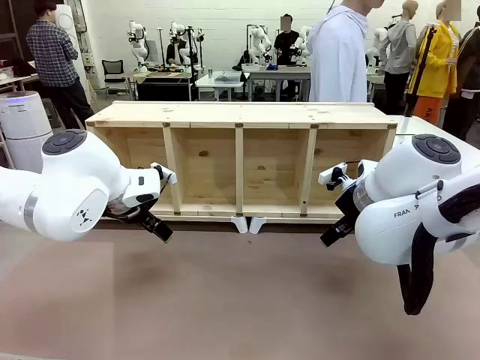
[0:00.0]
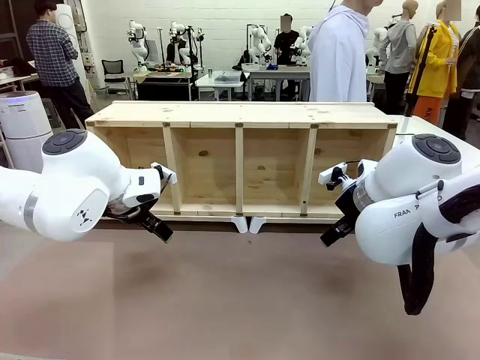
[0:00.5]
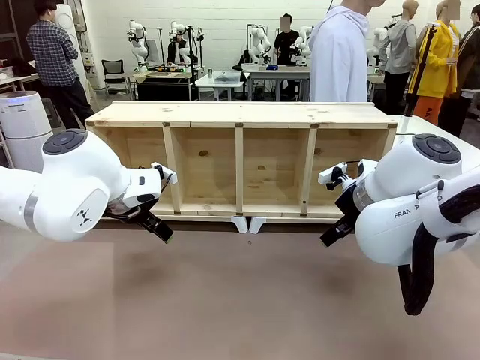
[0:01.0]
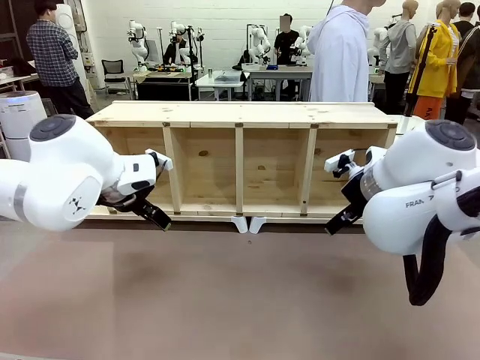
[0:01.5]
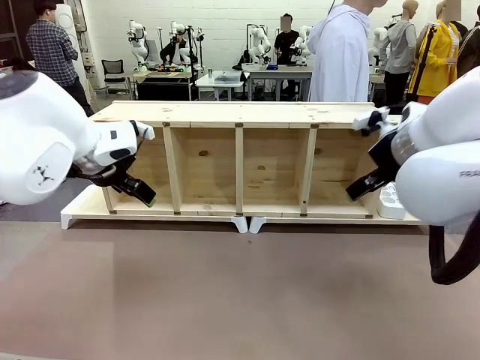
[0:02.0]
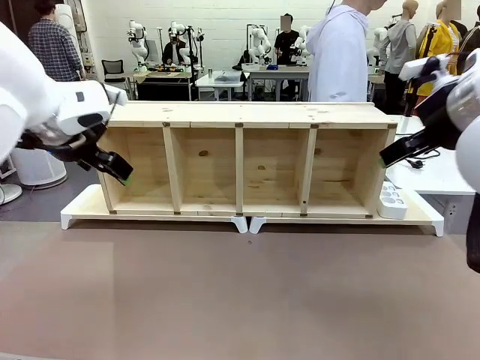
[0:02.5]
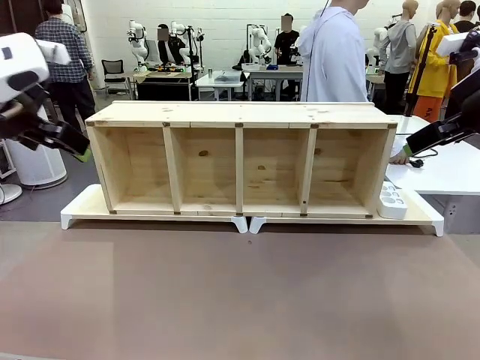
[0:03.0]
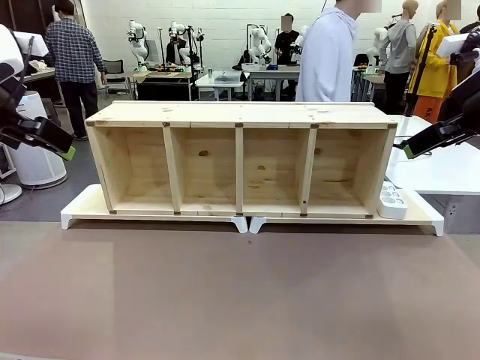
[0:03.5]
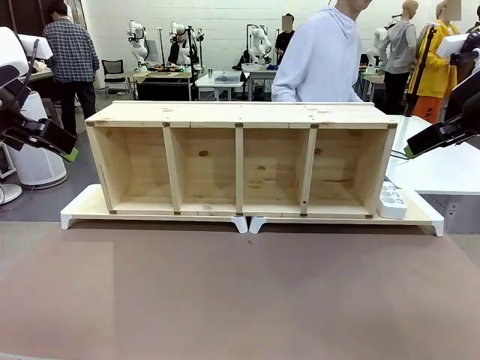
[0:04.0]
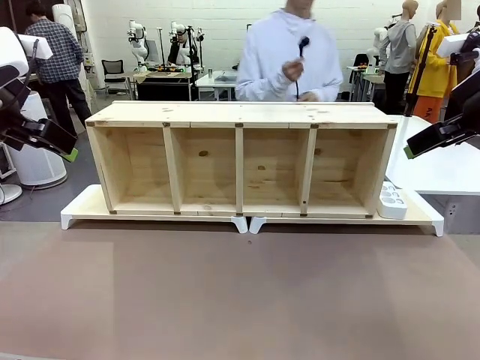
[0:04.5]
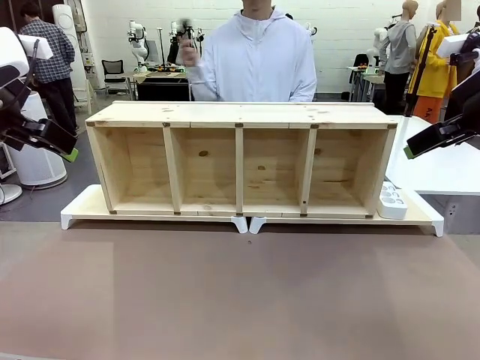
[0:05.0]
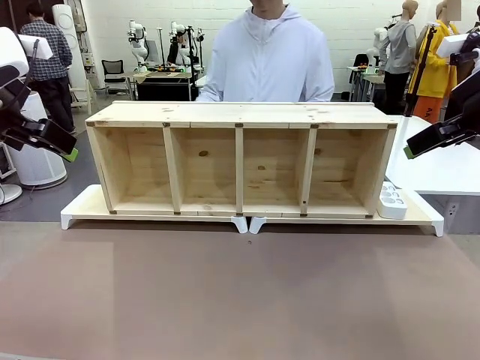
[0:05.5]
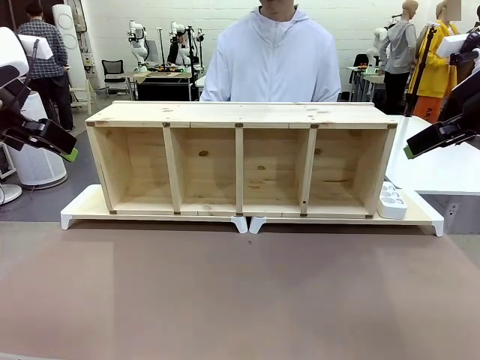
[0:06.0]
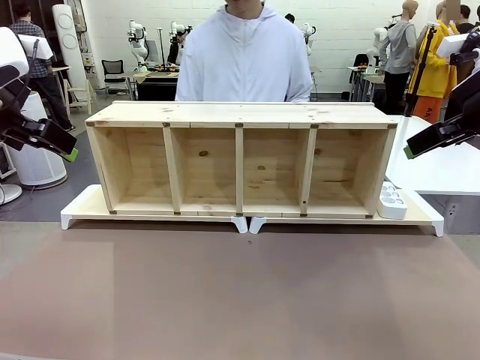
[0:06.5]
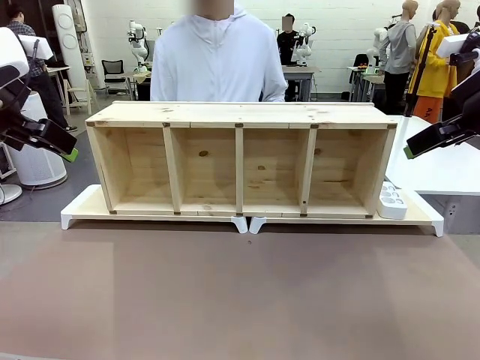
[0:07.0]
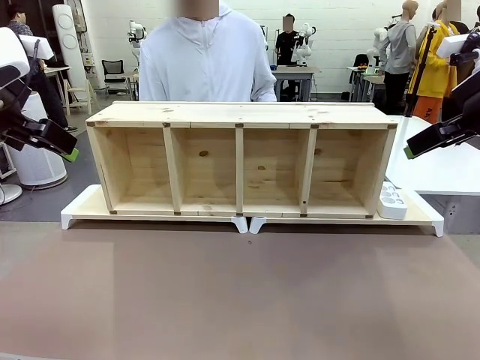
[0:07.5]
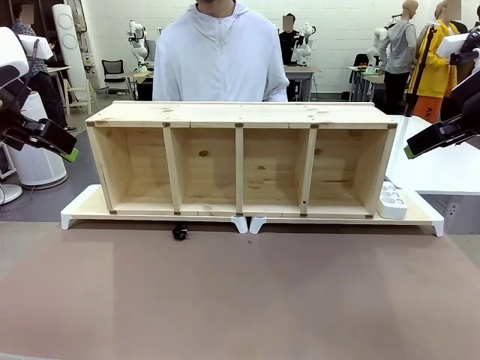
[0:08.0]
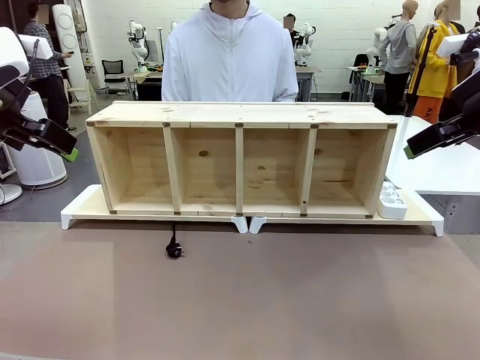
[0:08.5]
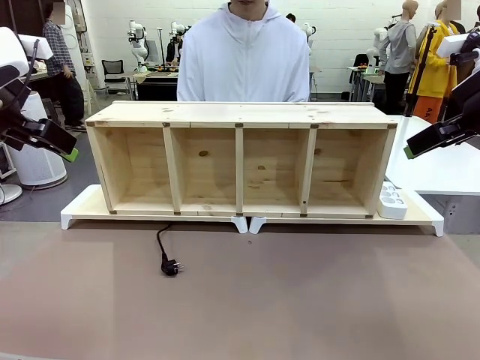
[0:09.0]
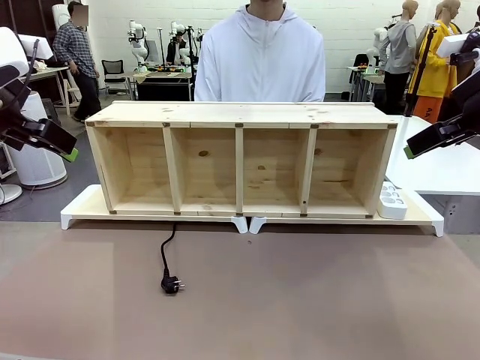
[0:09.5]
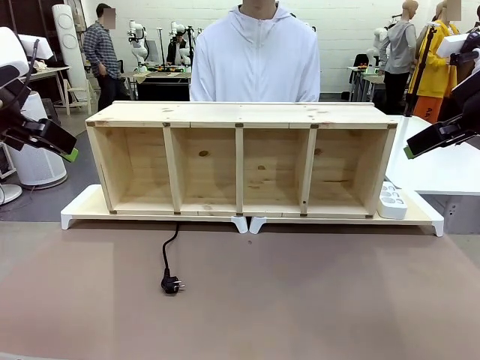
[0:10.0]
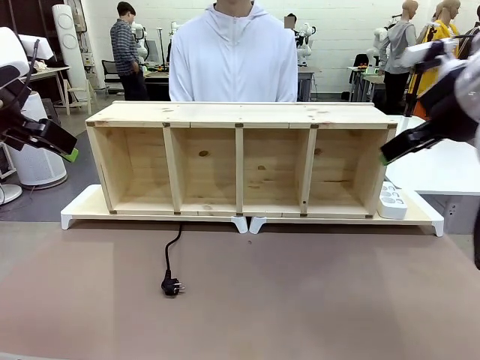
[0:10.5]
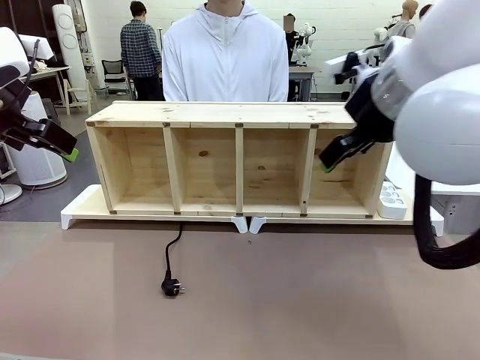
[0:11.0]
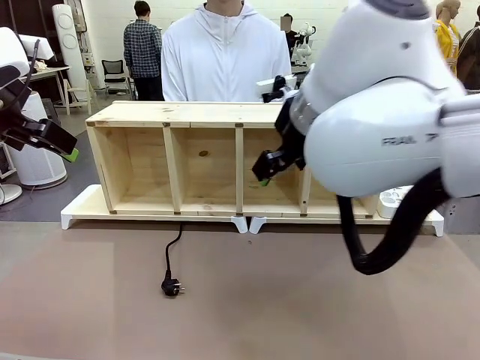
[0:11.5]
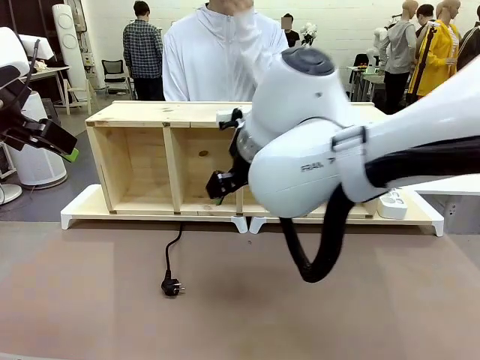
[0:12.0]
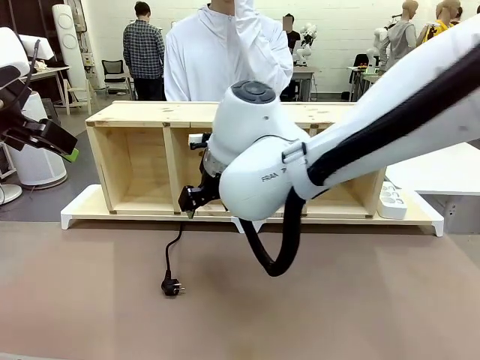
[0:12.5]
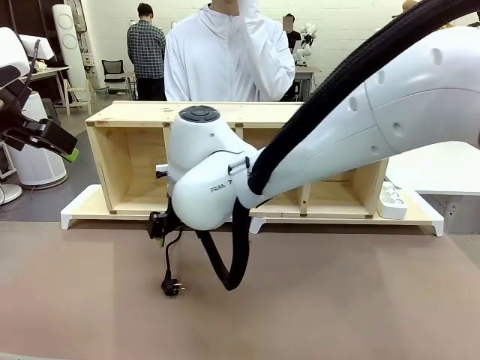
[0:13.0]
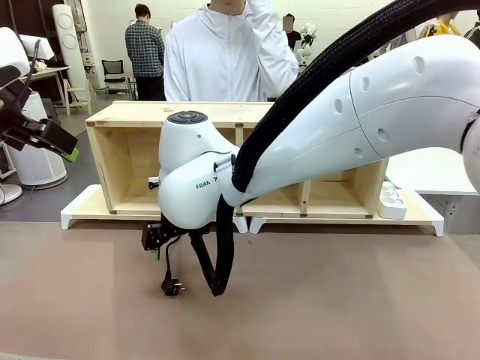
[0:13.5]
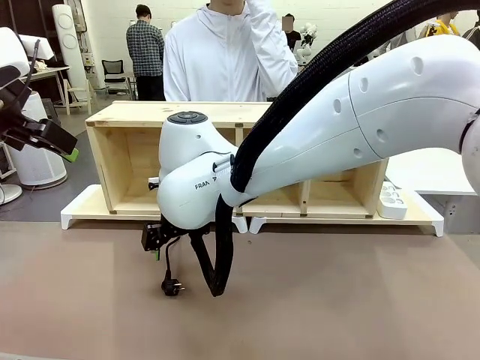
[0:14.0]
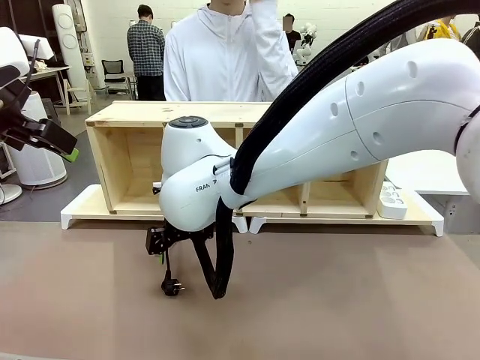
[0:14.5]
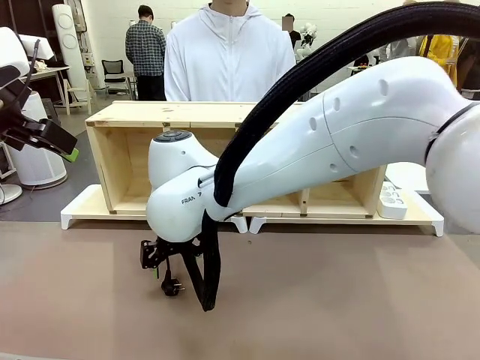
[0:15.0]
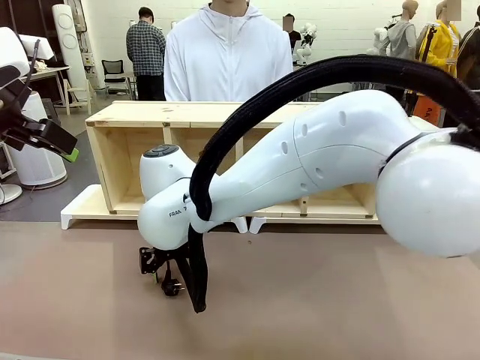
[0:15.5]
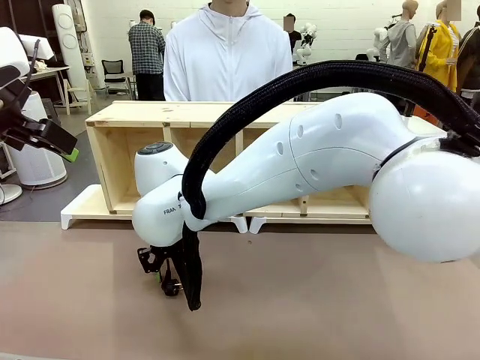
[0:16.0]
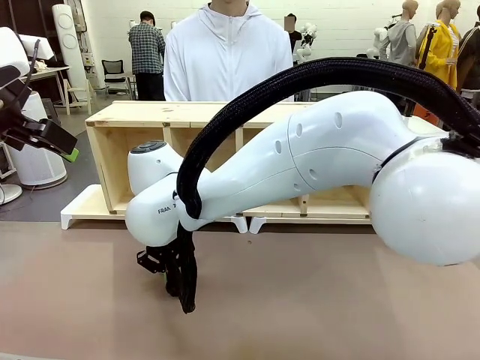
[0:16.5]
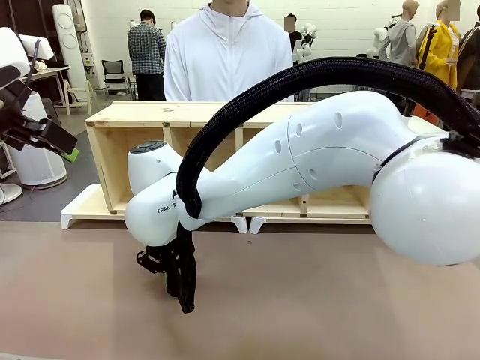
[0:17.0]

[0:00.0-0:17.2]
Task: Perform cable management.
Robot: When the cord part of the Power Cable appears at the lower middle area of the table and stops, grasp the cord part of the Power Cable.
Person: Pass the Power Cable under the Serving Table.

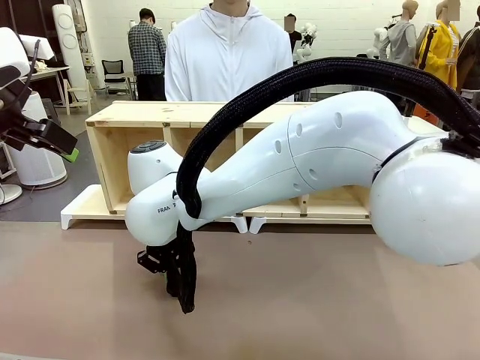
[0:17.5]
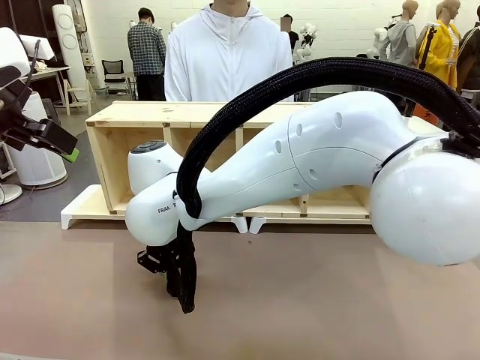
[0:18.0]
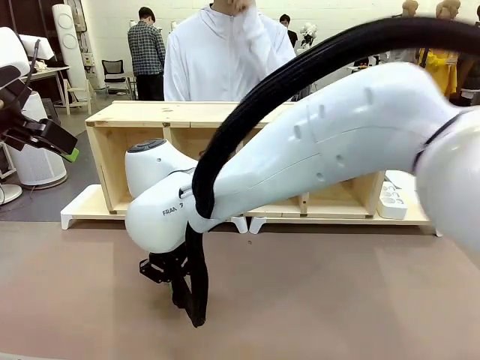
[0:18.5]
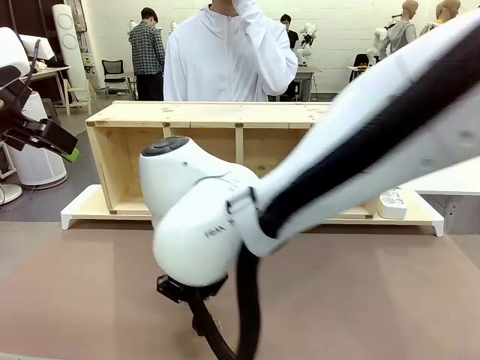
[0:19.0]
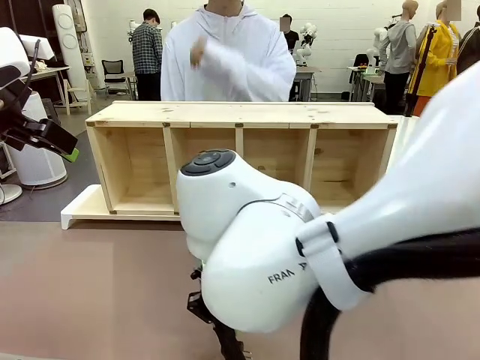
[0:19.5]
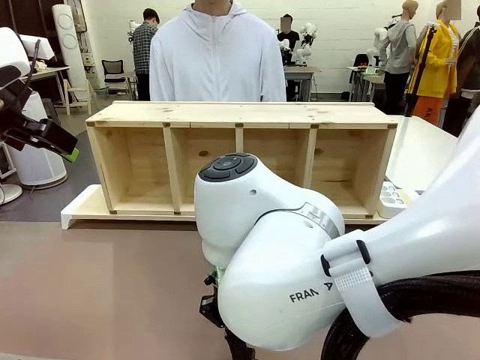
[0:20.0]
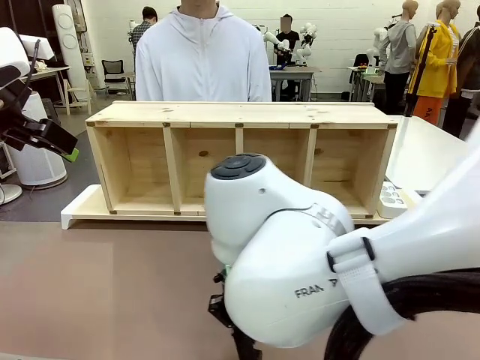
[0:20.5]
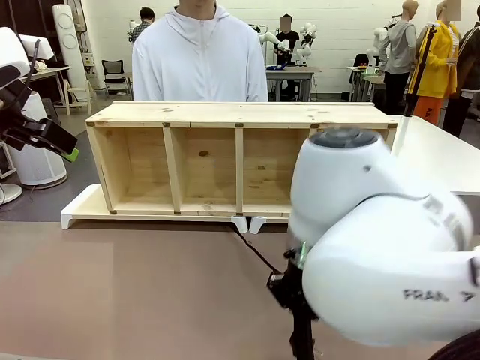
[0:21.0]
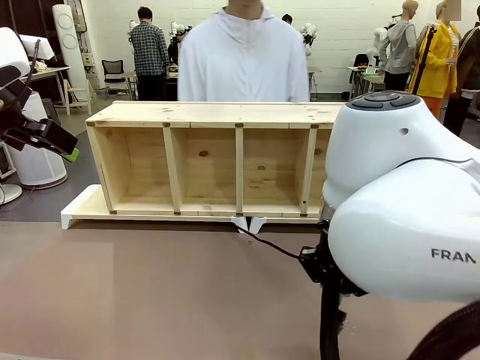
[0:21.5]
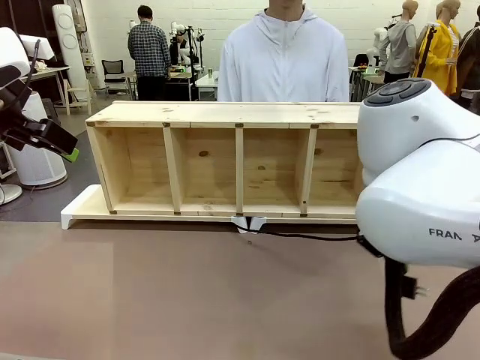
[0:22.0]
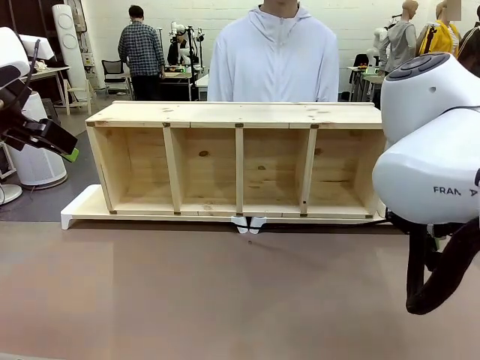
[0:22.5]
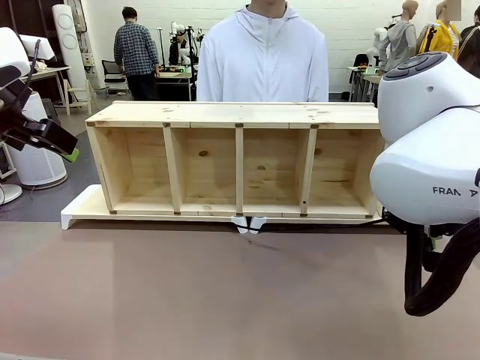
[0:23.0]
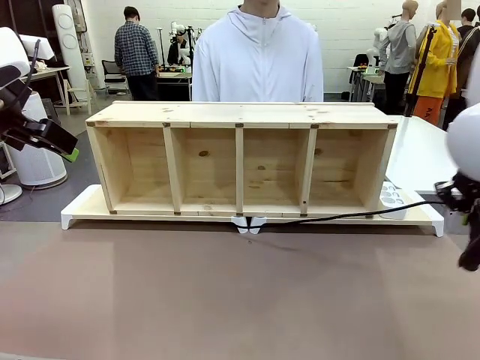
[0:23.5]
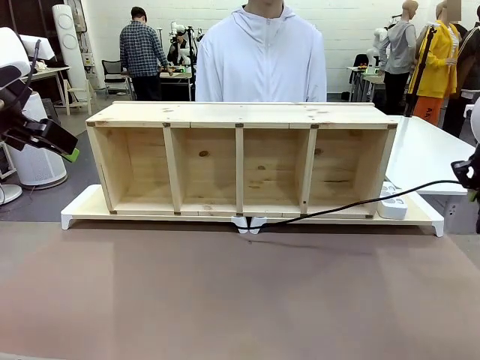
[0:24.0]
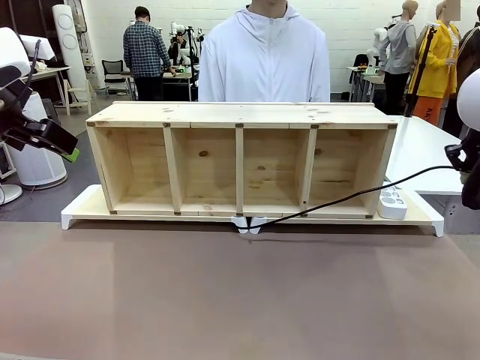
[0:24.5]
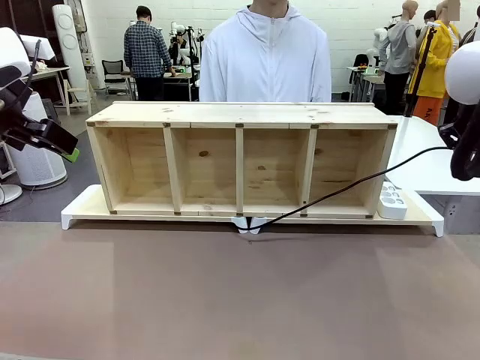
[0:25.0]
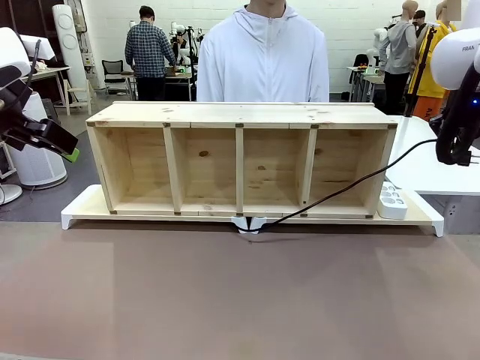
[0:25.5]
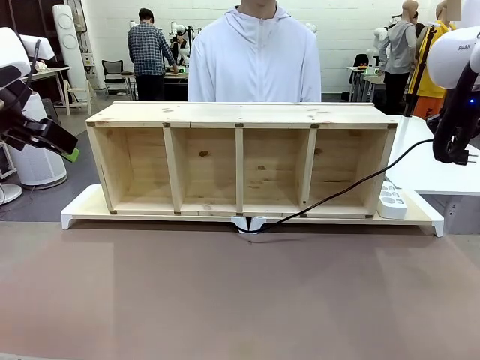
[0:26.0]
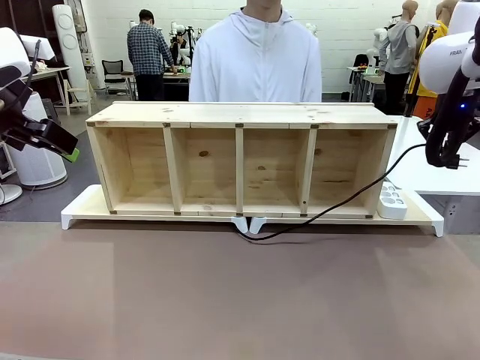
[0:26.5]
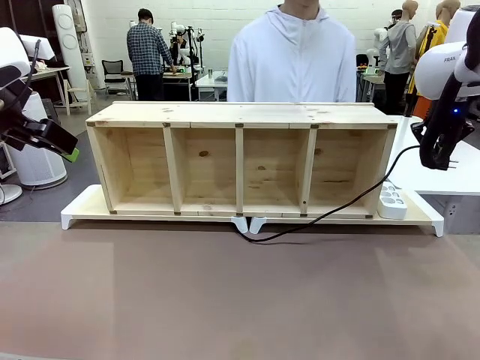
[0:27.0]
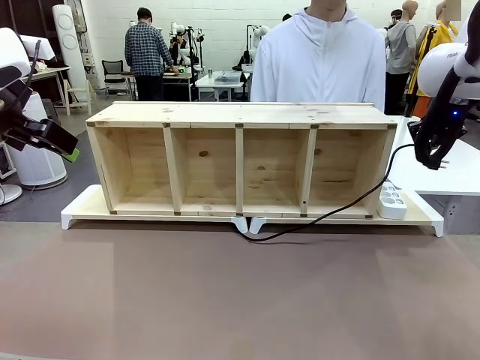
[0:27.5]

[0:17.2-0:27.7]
Robot: Pull the grasped Power Cable to the location of the Power Strip.
